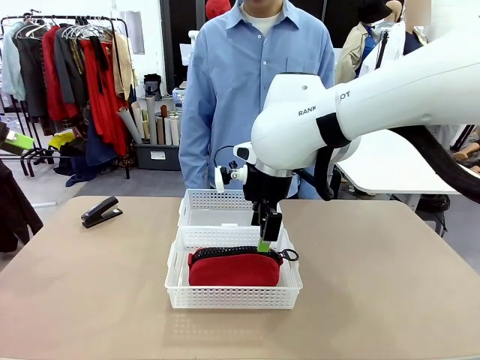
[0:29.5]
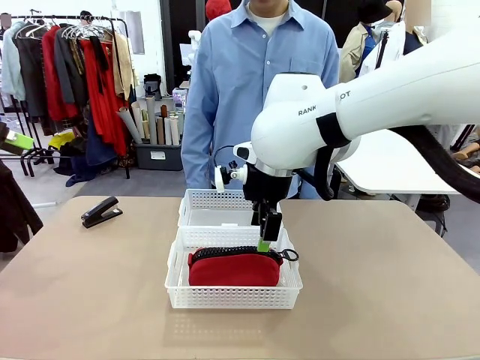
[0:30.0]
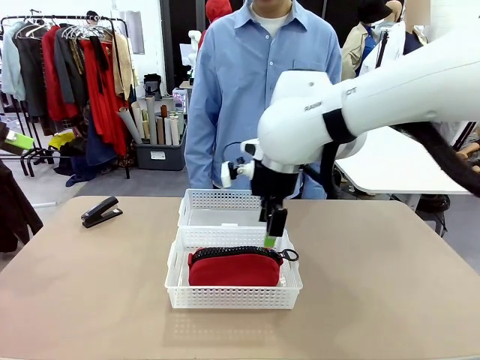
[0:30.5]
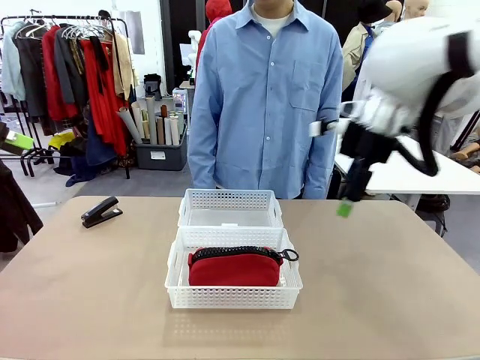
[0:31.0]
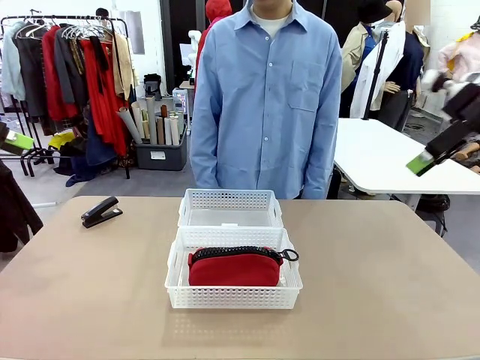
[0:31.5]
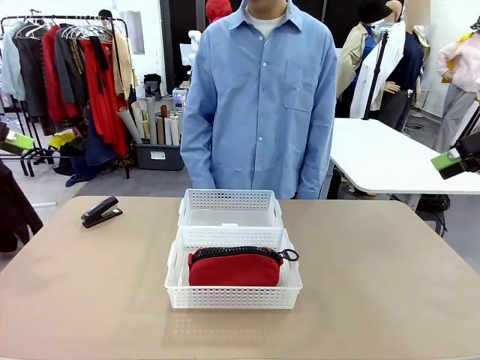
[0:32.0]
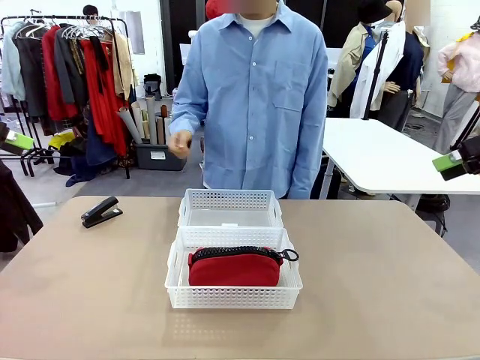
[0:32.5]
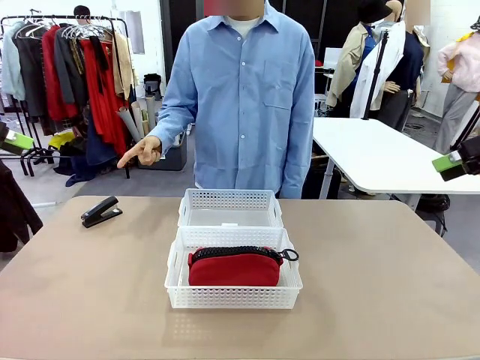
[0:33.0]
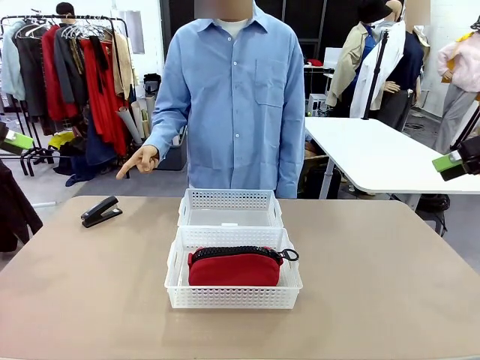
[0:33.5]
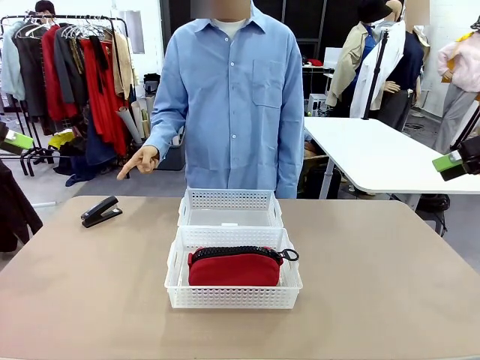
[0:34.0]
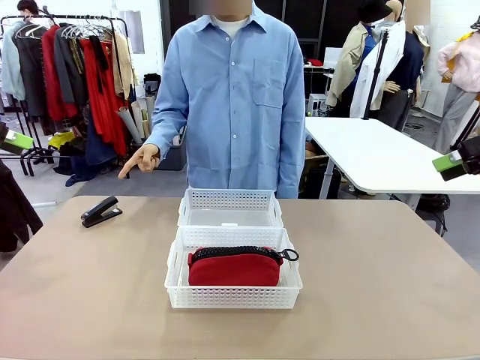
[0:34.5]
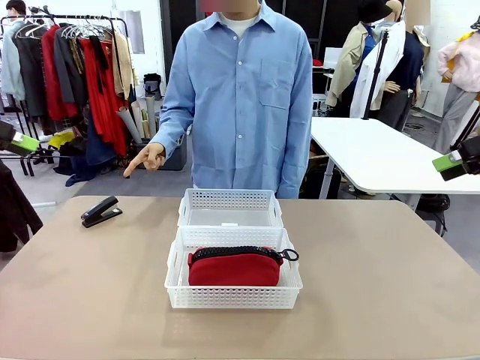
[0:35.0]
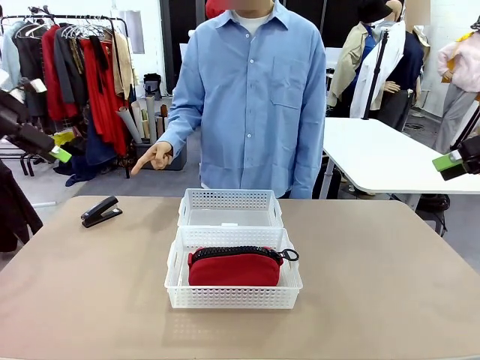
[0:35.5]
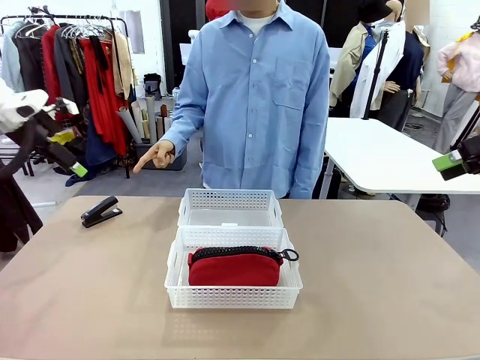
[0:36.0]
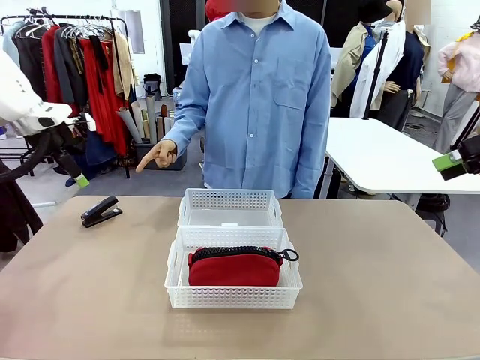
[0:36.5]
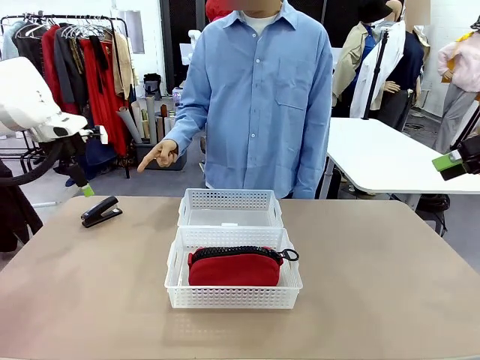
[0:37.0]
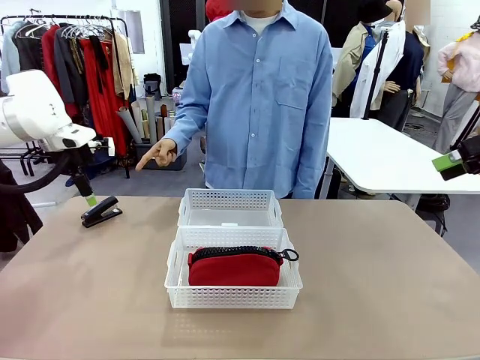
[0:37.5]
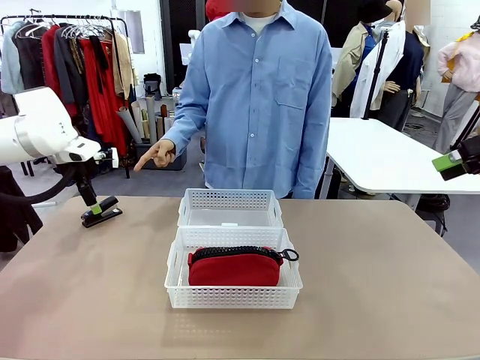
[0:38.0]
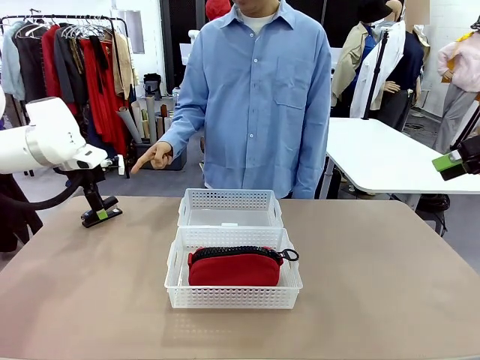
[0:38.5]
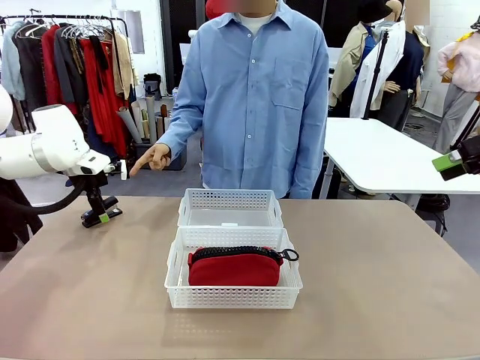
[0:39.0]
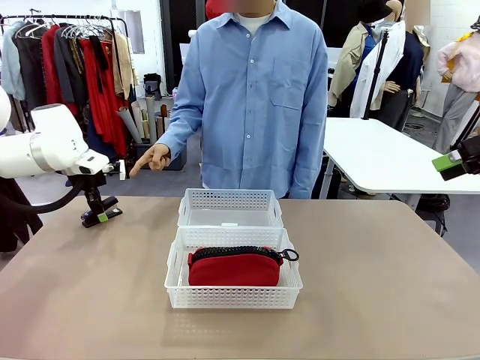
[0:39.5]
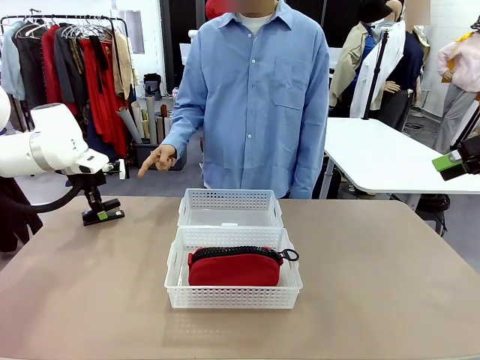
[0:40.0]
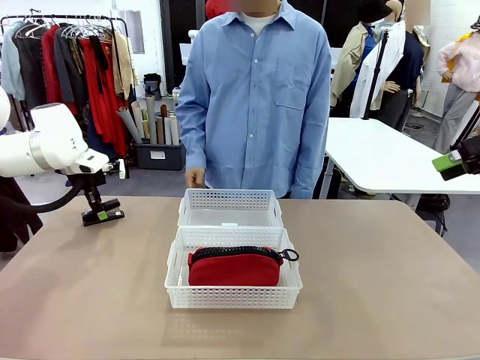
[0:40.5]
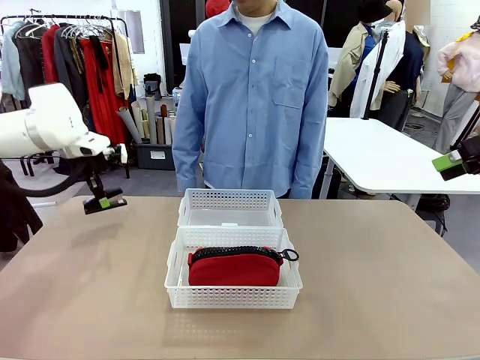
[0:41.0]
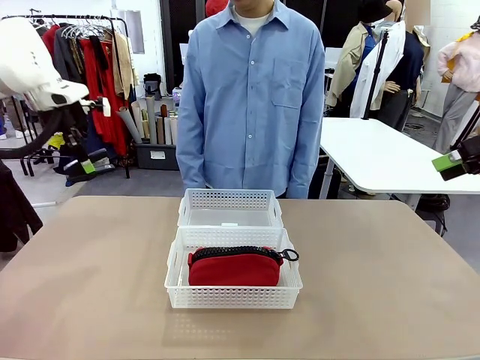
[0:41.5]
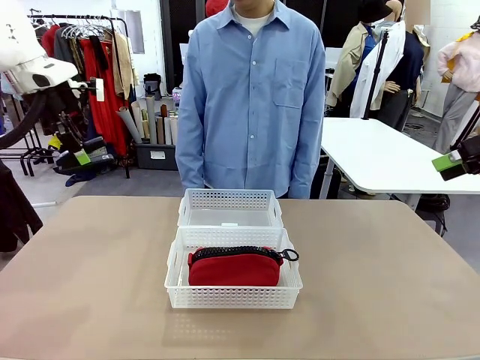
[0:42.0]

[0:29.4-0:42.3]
Task: Distribute items into two baskets.
Robot: Pick up the Stapler that the person points to.

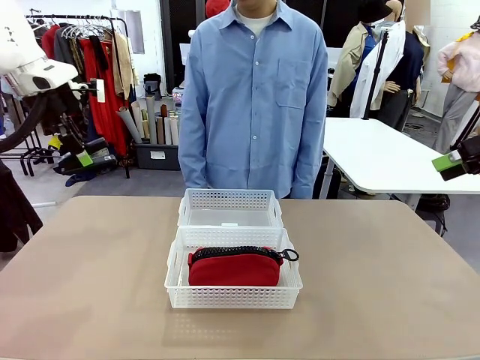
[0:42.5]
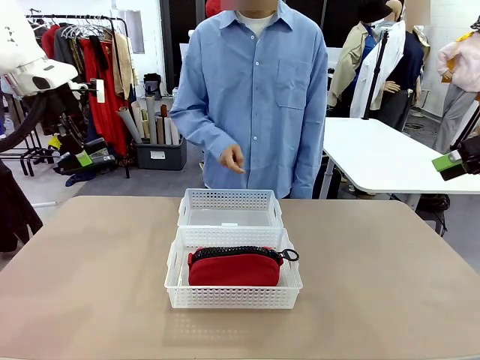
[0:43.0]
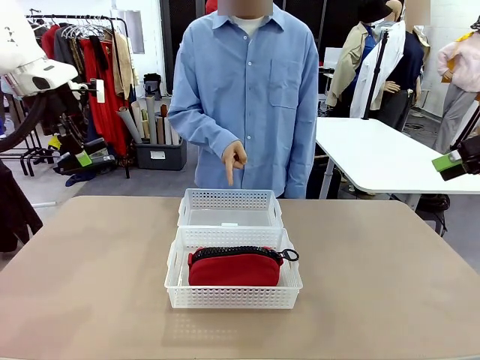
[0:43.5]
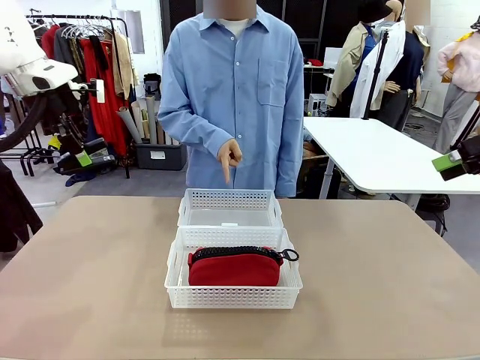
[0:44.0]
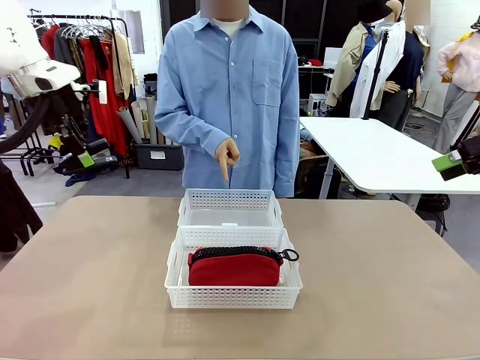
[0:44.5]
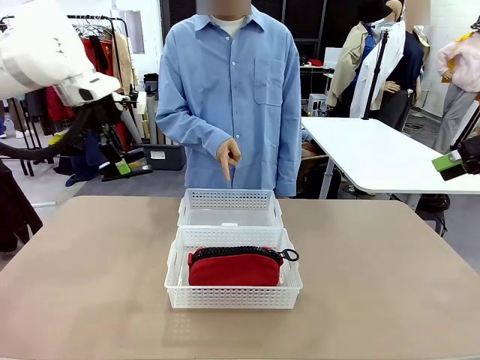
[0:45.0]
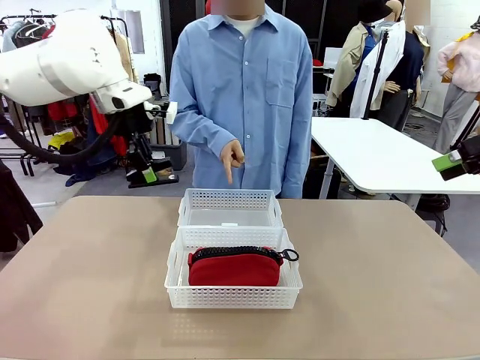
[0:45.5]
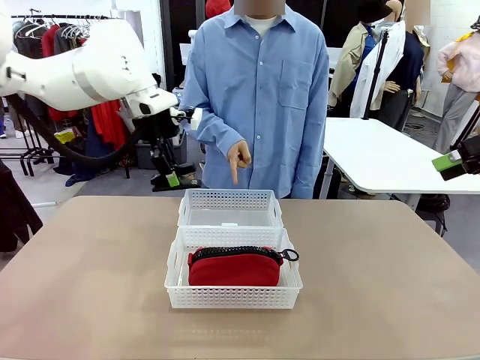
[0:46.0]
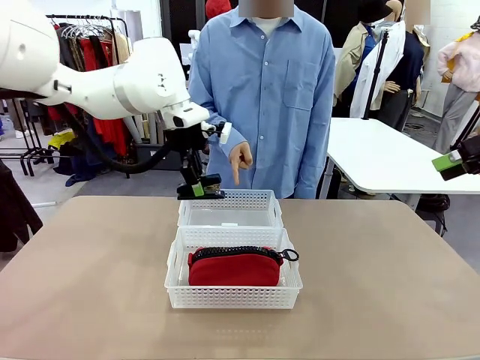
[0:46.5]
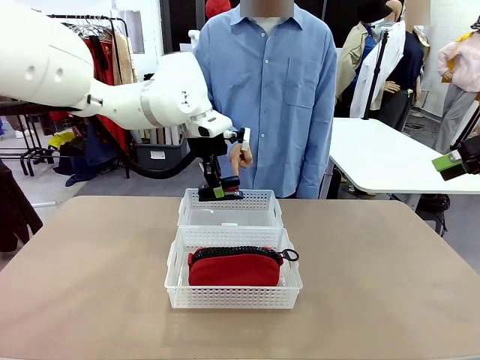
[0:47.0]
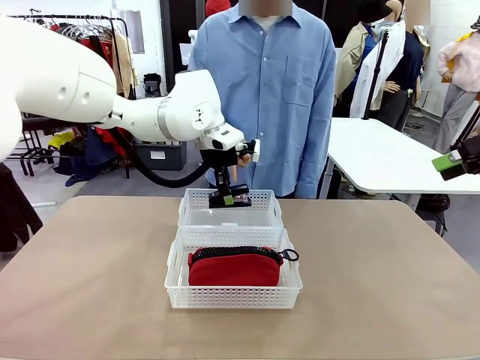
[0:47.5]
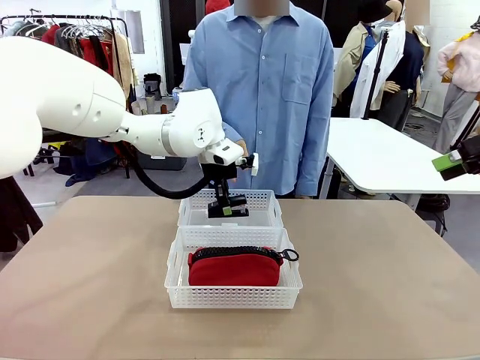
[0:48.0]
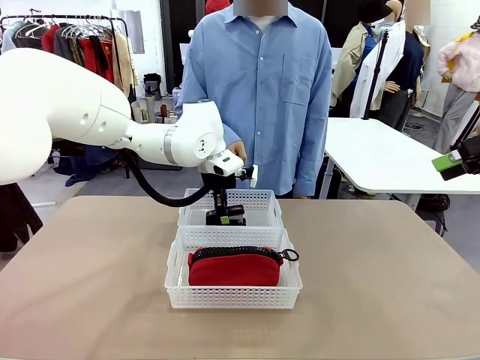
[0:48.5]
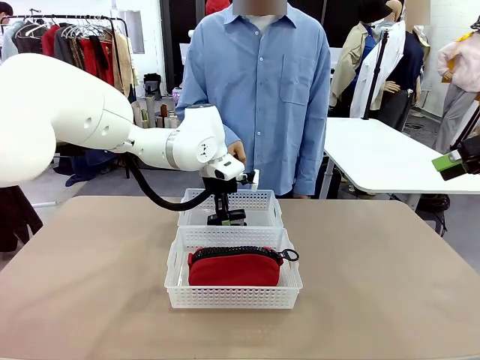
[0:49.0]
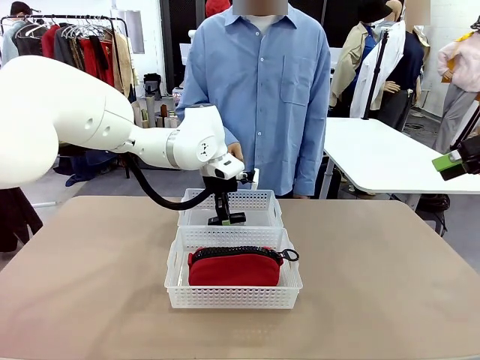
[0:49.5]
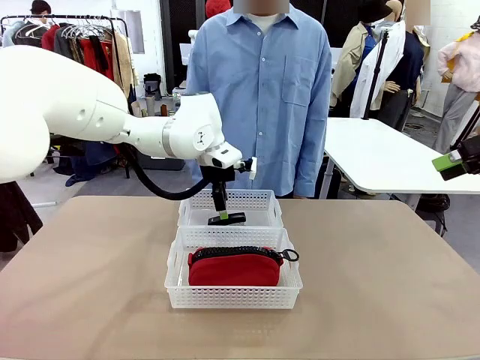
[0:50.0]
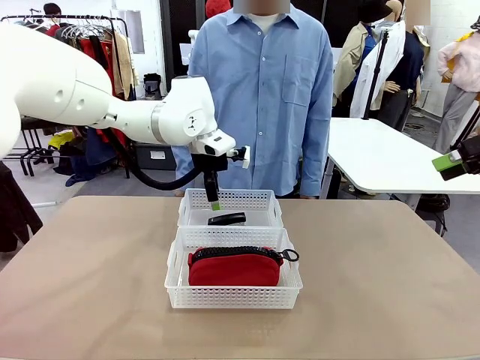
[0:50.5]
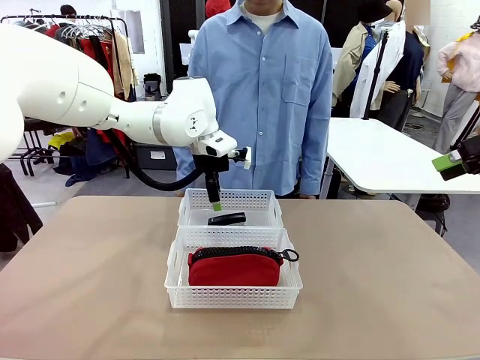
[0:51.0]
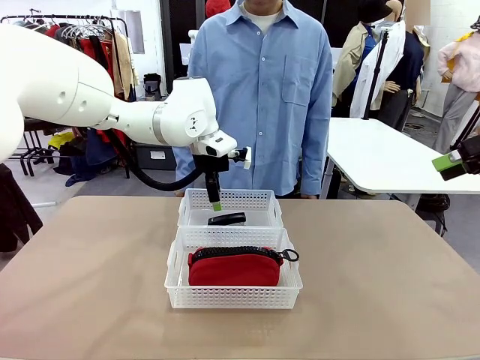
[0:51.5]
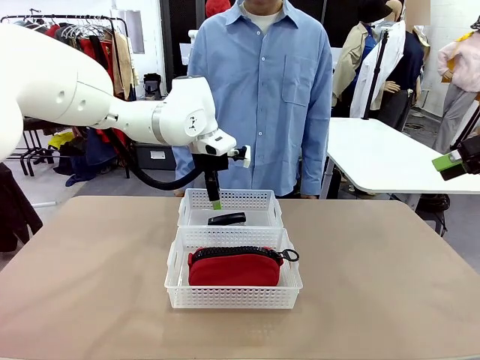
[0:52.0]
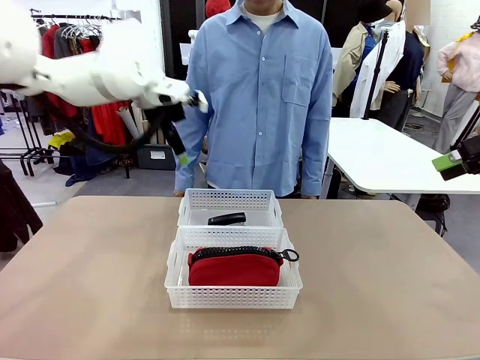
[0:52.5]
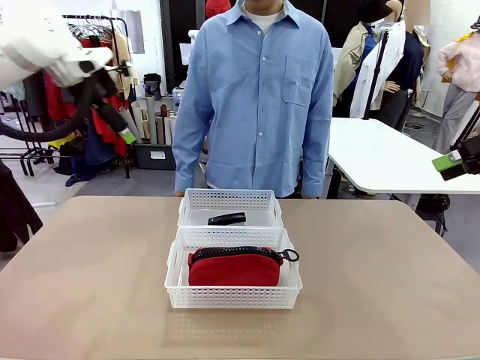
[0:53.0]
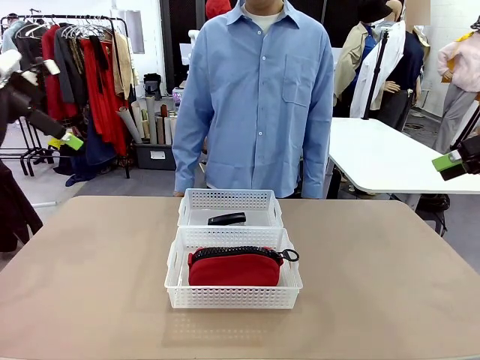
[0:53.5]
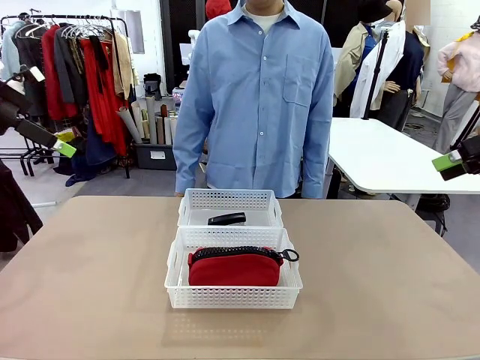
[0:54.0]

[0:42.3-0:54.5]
Robot: Place the picked Stapler into the Organizing basket as instructed by the person.
Person: Points to the basket that does not contain the pencil case and instructs the robot to move the stapler there.
